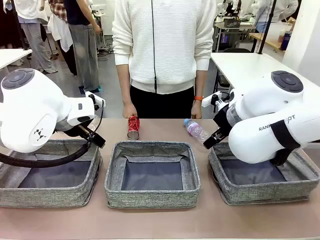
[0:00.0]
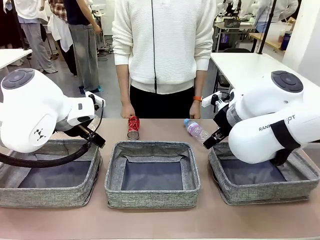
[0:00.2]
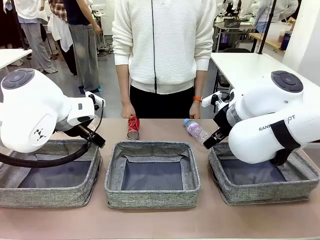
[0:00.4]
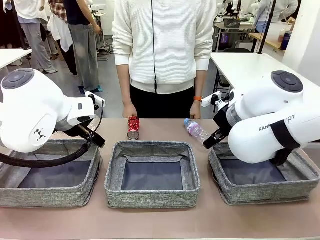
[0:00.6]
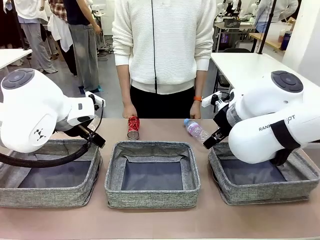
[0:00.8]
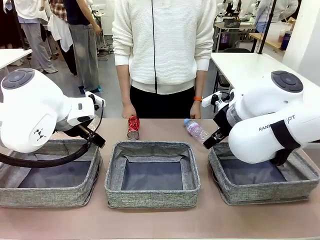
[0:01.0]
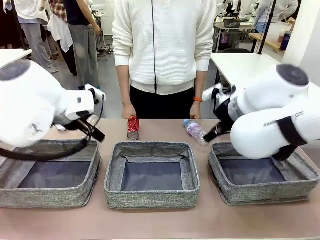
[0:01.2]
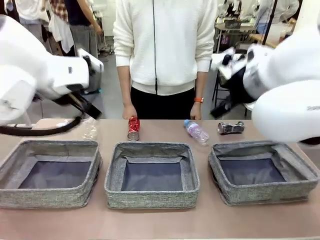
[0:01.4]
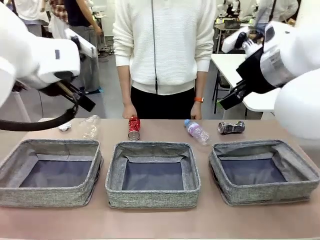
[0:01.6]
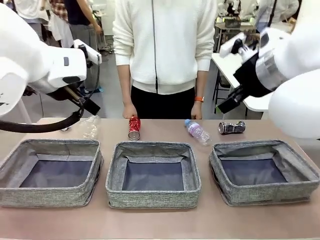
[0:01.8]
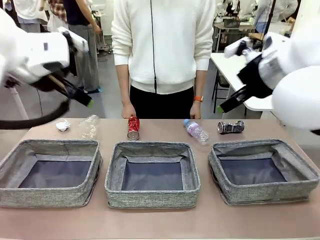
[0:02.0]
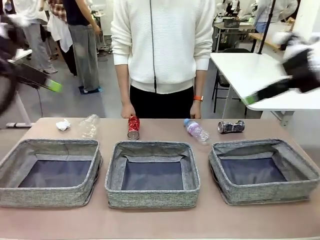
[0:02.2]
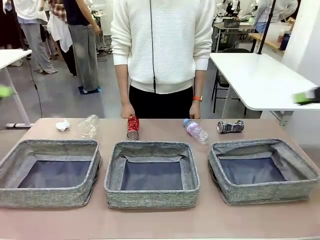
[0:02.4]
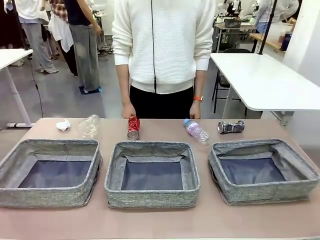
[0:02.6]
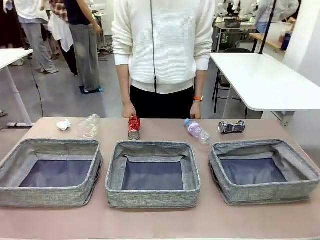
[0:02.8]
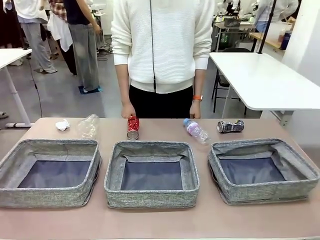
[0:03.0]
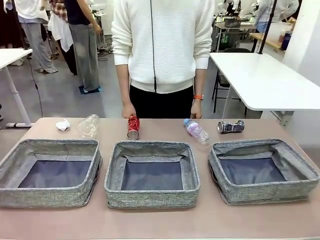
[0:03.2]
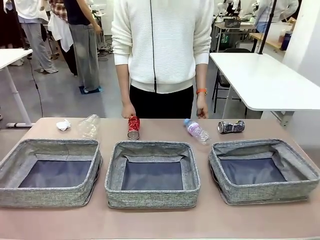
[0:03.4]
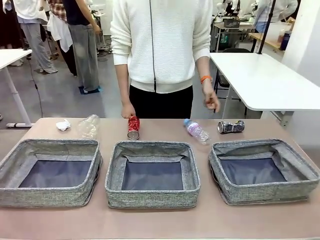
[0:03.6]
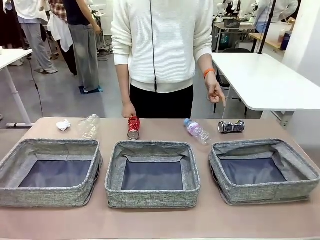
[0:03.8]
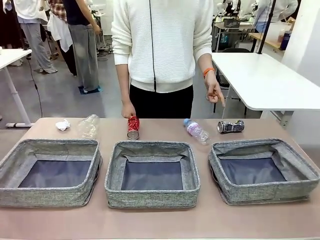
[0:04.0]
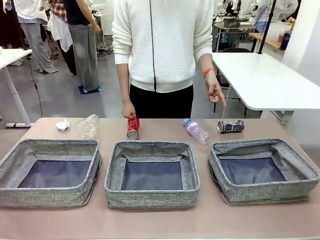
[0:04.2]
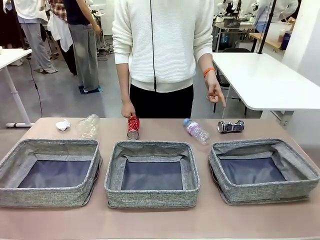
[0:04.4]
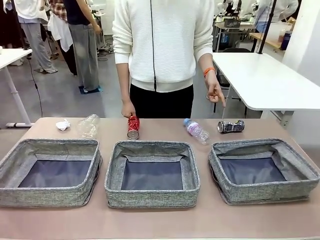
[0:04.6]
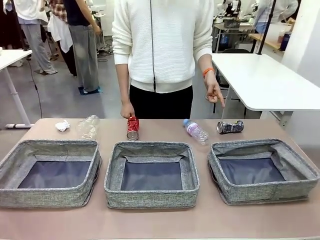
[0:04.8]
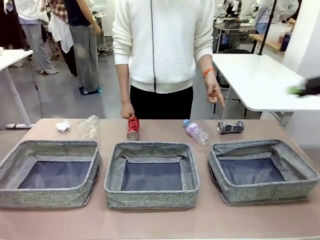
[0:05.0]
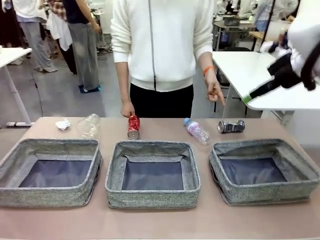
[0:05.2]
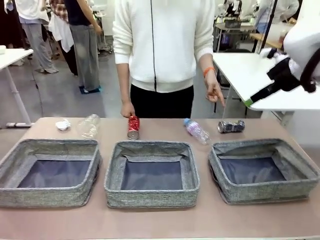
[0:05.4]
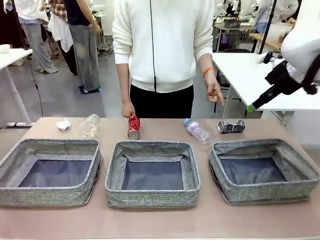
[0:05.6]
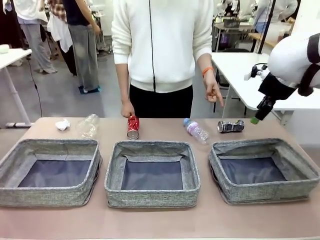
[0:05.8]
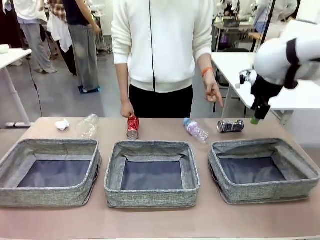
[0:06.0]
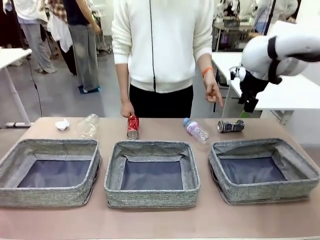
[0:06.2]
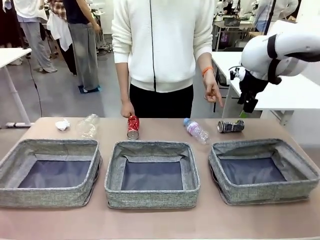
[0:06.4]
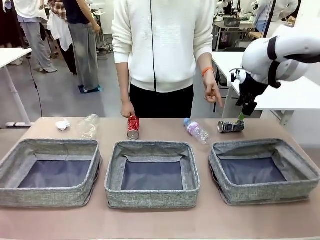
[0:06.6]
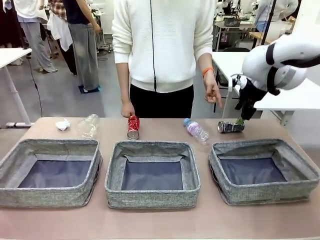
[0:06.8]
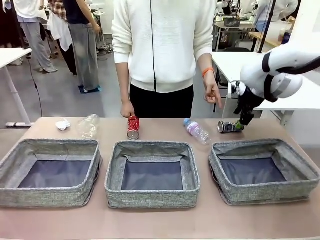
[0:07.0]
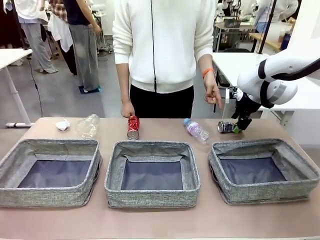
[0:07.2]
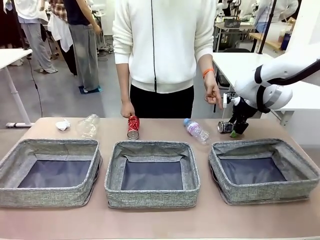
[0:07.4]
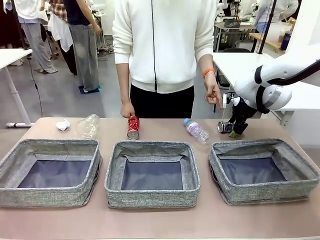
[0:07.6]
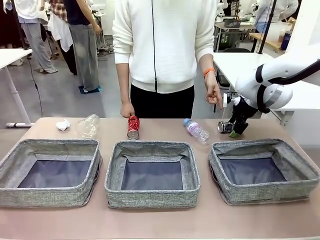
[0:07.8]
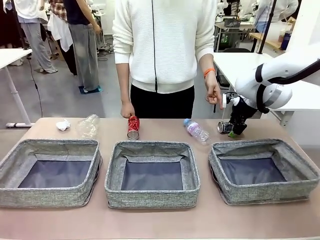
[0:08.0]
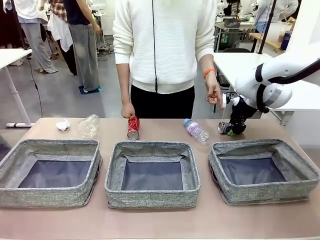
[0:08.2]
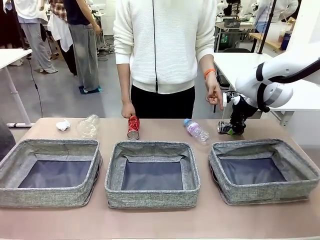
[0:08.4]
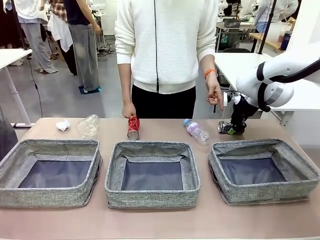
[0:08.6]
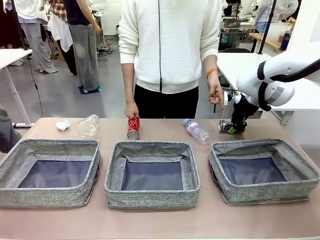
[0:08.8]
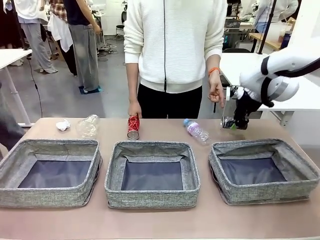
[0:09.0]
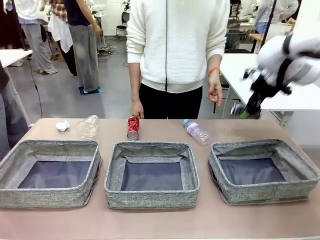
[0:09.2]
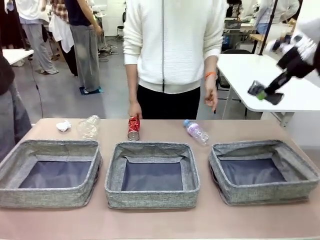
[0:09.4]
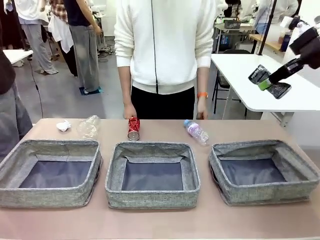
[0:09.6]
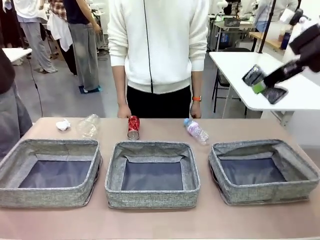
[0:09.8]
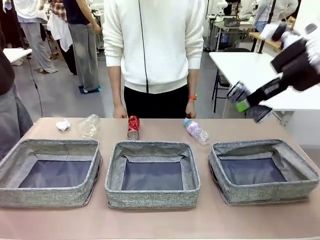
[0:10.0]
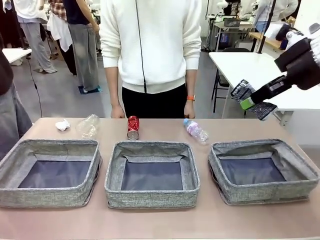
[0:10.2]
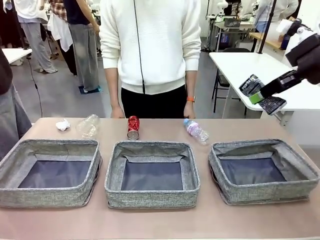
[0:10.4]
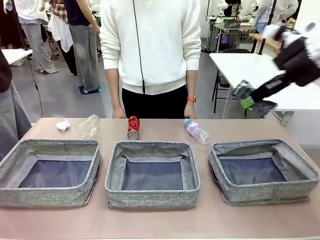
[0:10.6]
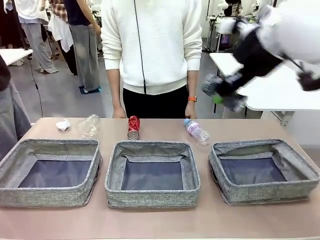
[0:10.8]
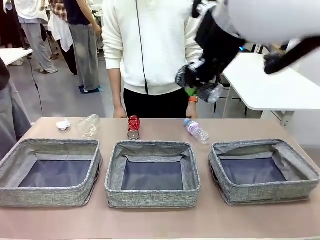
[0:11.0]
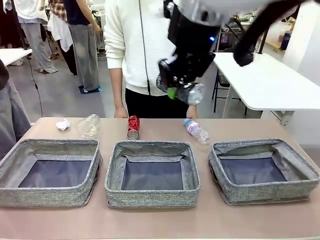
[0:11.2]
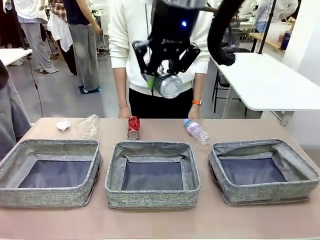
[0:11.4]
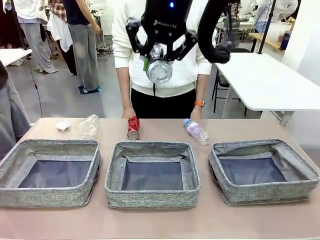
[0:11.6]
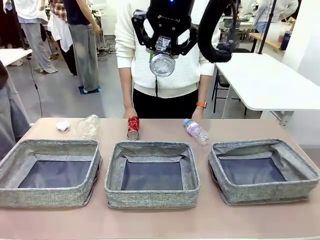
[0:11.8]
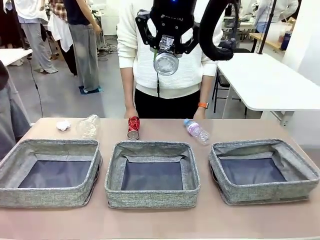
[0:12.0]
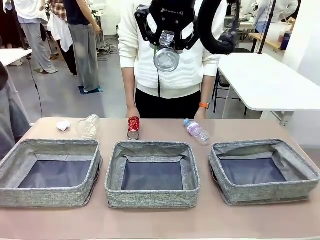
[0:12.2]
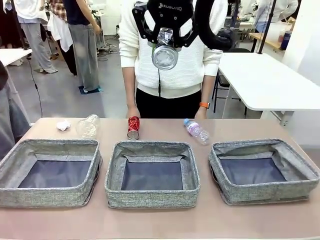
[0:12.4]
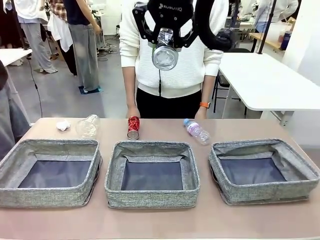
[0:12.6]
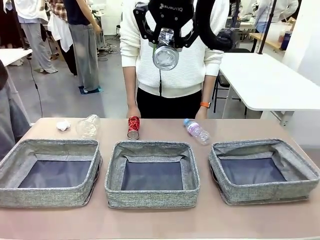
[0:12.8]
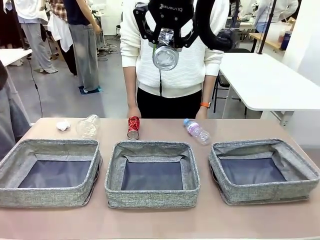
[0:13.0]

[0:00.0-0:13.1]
Task: Sort the waste into the appropriate baskets.
Robot: Pick up the waste item pointed out by the person.
Person: Points to one piece of trash on the table.

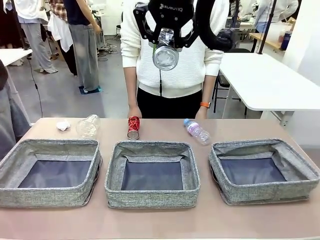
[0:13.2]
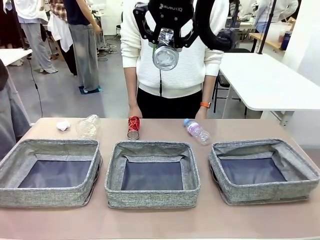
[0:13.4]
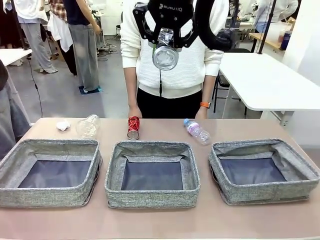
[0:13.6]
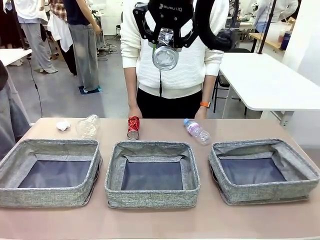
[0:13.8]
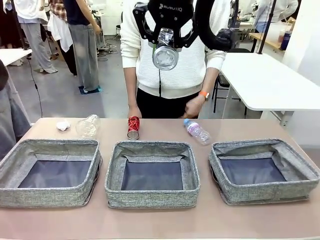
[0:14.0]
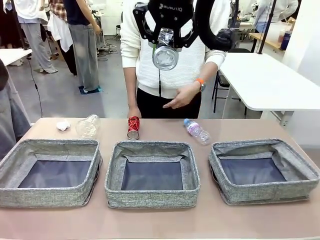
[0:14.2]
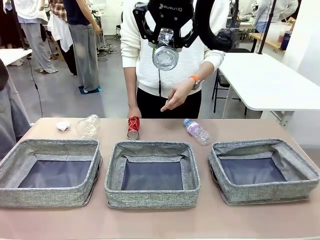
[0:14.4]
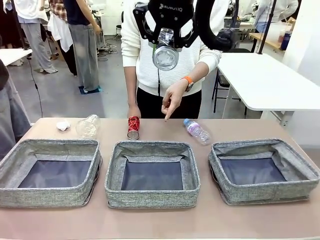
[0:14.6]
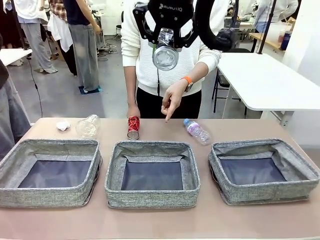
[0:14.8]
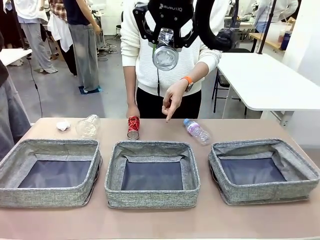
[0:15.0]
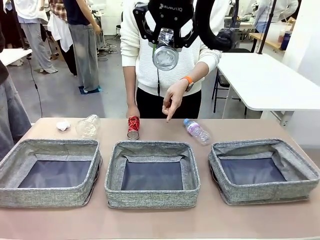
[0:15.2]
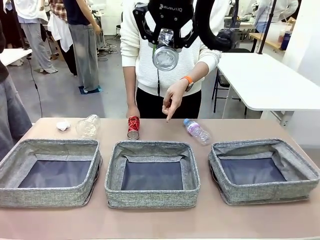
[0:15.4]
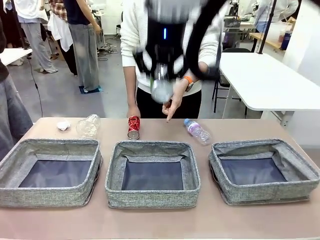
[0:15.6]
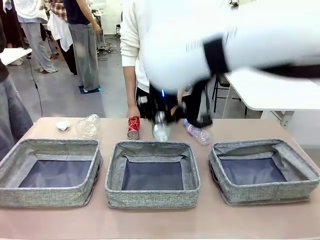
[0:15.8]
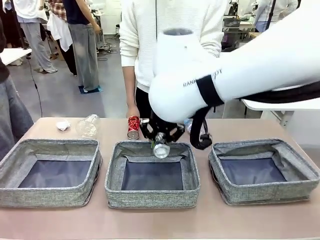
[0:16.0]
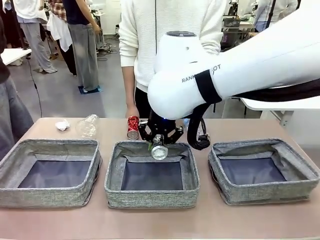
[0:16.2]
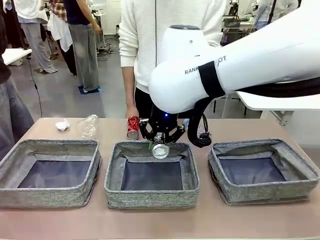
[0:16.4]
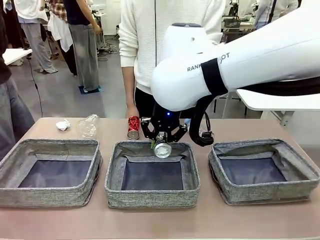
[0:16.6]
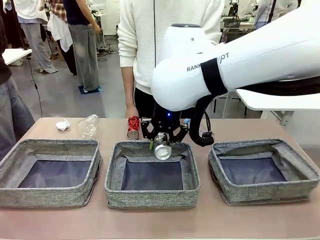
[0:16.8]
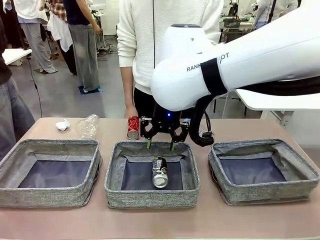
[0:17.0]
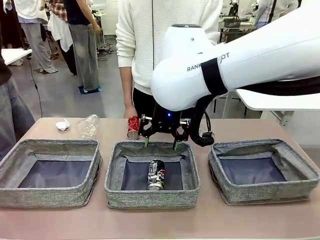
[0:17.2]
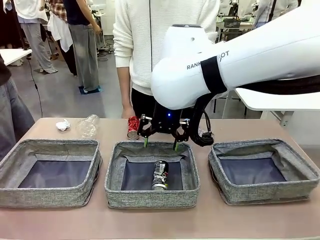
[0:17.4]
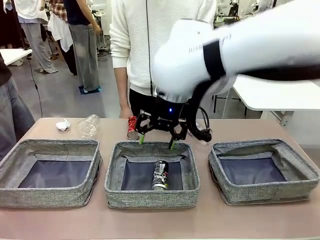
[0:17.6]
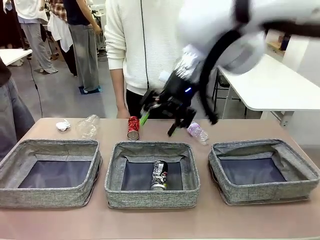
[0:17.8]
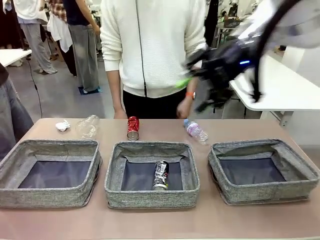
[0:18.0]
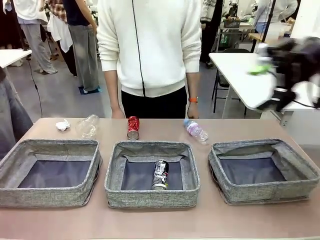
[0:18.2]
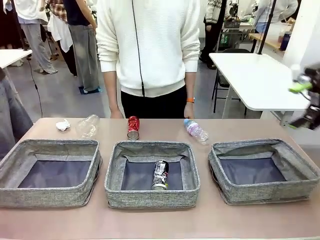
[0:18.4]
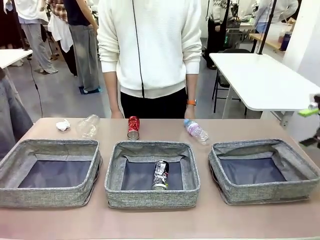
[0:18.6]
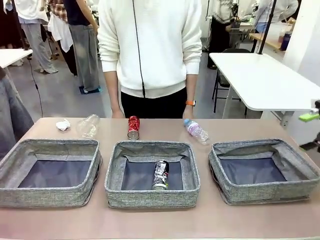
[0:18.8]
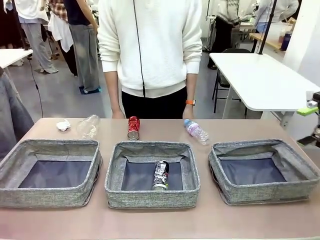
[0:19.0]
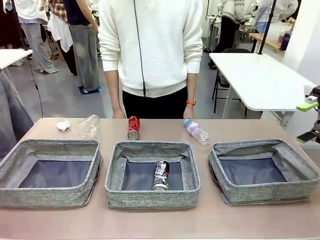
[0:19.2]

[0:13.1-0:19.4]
Robot: Place the picked waste into the Fabric basket indicated by the person.
Person: Instructs the robot to place the picked-up trash into the appropriate organizing basket.
